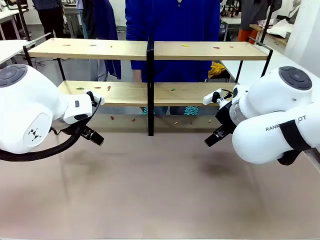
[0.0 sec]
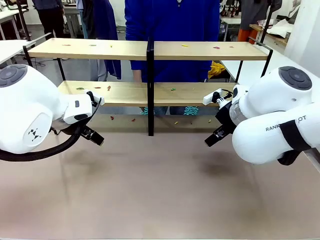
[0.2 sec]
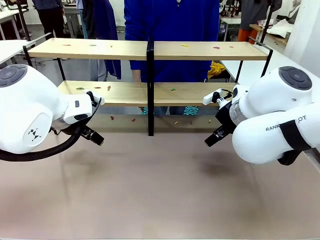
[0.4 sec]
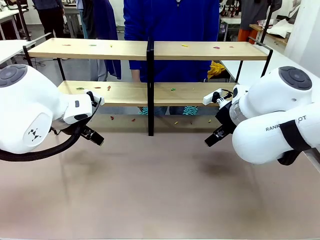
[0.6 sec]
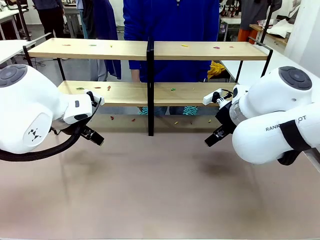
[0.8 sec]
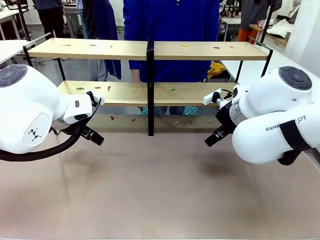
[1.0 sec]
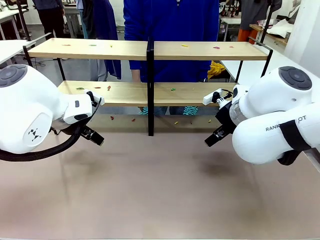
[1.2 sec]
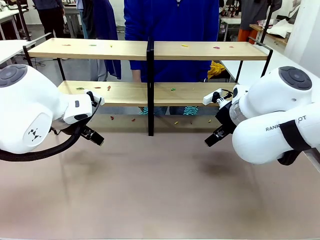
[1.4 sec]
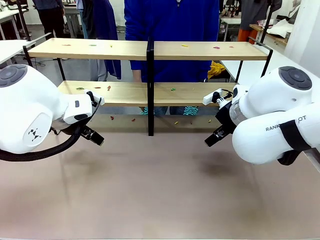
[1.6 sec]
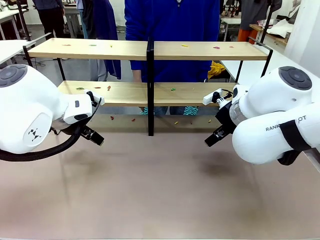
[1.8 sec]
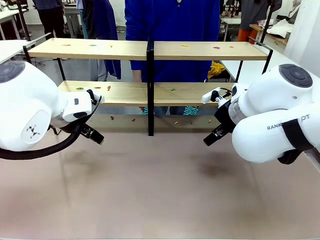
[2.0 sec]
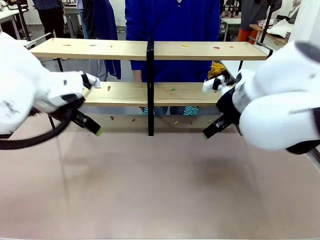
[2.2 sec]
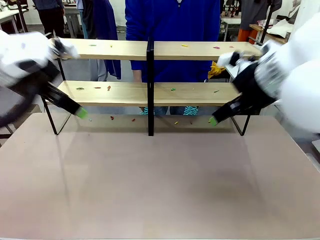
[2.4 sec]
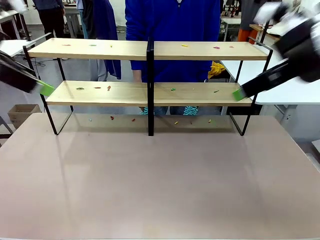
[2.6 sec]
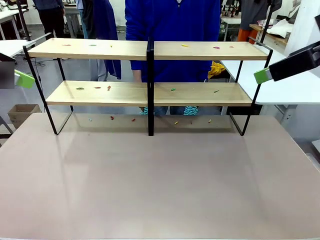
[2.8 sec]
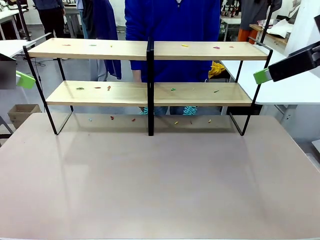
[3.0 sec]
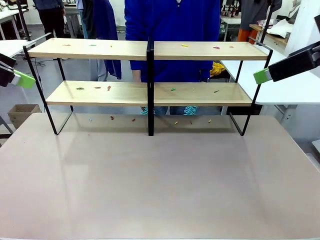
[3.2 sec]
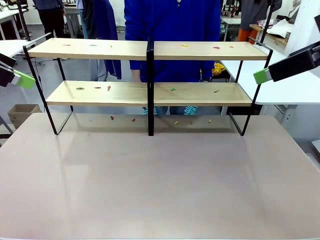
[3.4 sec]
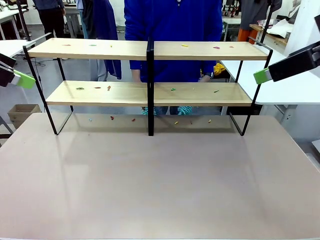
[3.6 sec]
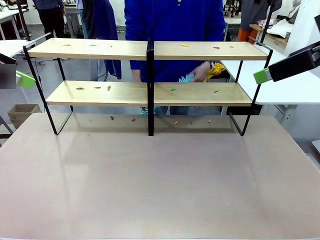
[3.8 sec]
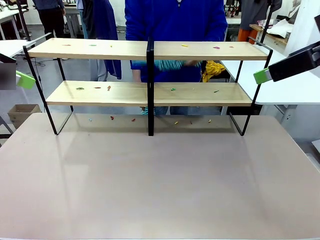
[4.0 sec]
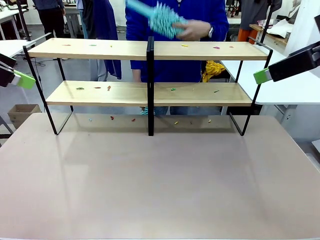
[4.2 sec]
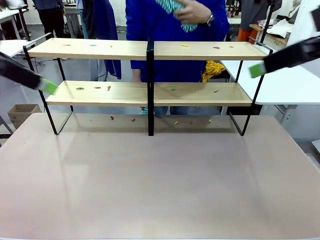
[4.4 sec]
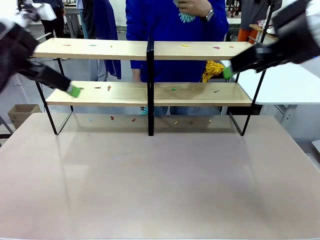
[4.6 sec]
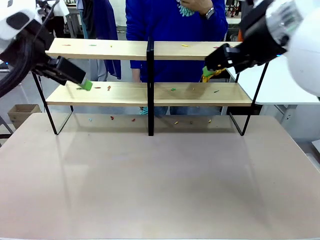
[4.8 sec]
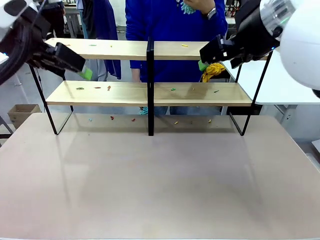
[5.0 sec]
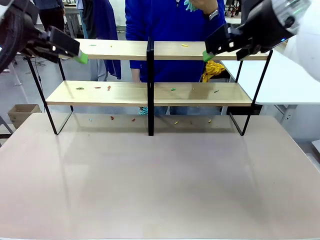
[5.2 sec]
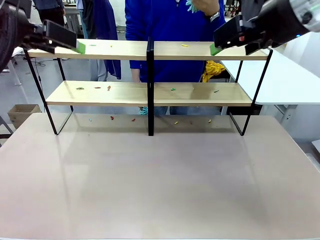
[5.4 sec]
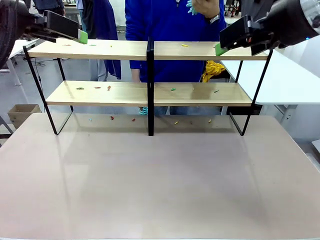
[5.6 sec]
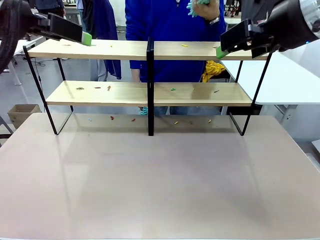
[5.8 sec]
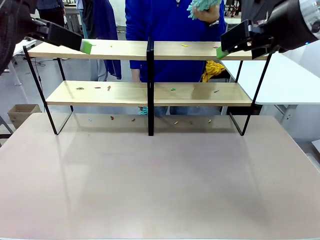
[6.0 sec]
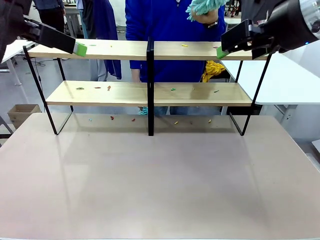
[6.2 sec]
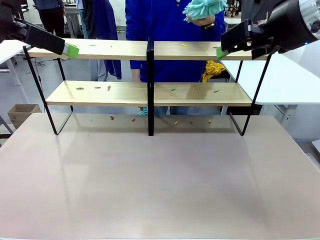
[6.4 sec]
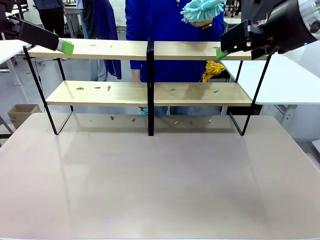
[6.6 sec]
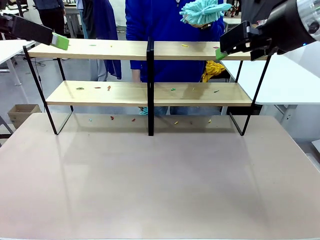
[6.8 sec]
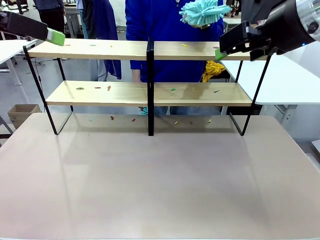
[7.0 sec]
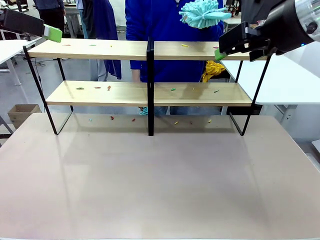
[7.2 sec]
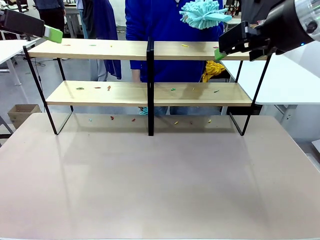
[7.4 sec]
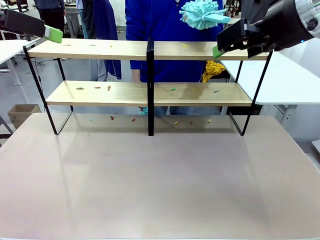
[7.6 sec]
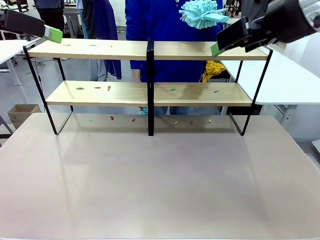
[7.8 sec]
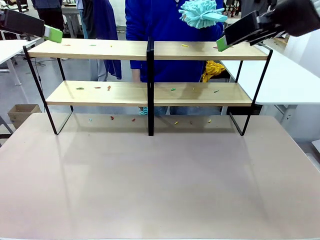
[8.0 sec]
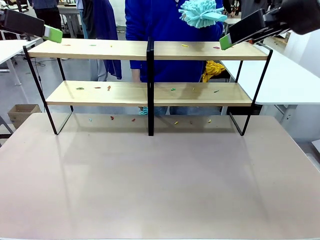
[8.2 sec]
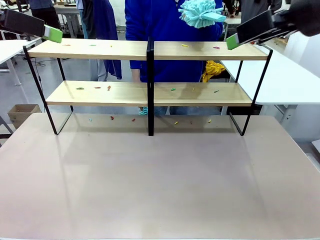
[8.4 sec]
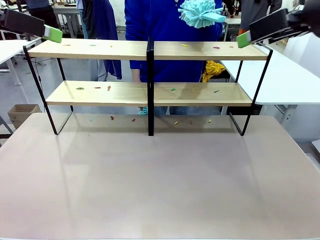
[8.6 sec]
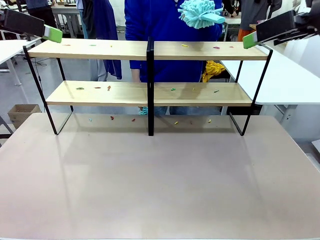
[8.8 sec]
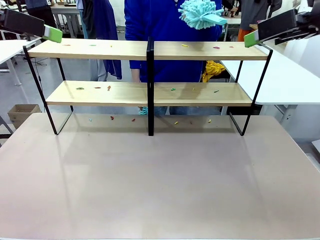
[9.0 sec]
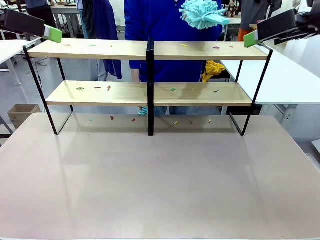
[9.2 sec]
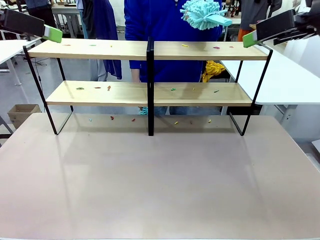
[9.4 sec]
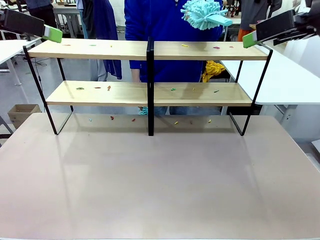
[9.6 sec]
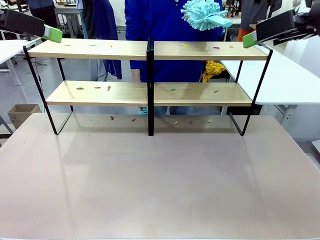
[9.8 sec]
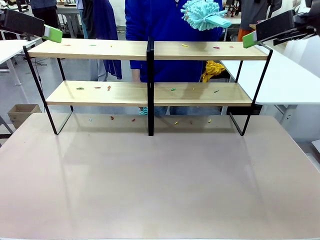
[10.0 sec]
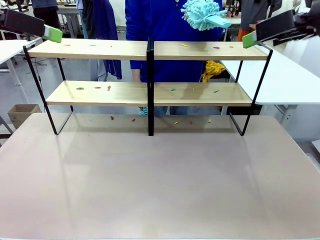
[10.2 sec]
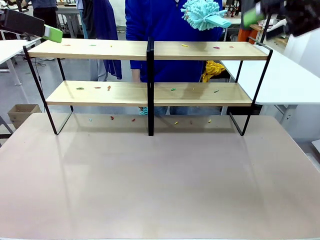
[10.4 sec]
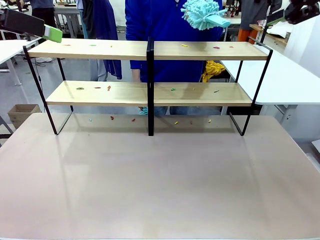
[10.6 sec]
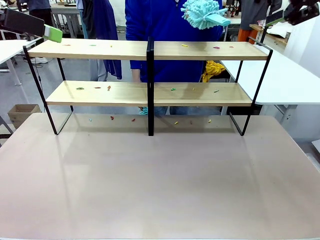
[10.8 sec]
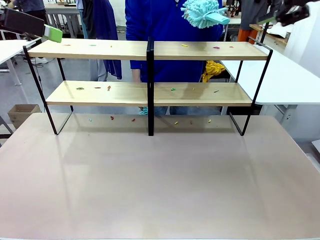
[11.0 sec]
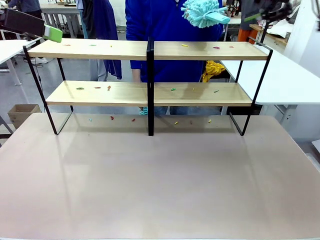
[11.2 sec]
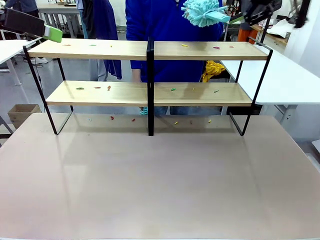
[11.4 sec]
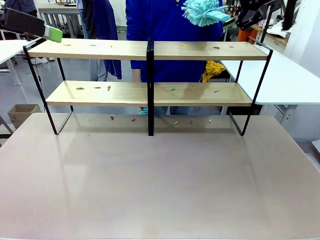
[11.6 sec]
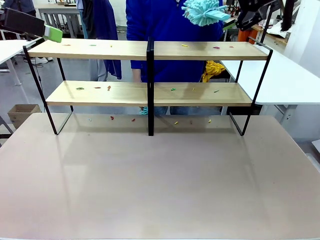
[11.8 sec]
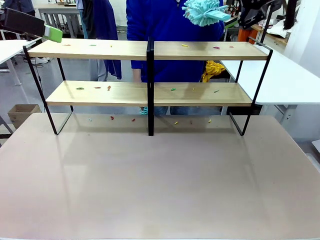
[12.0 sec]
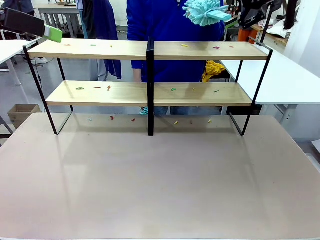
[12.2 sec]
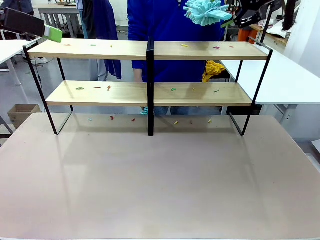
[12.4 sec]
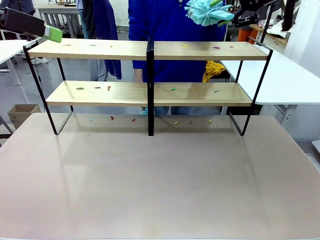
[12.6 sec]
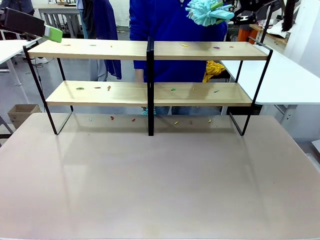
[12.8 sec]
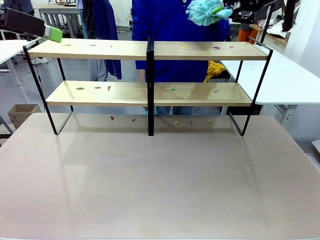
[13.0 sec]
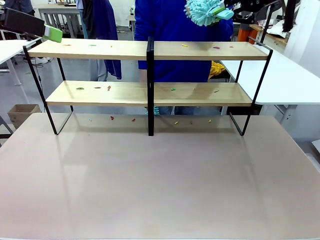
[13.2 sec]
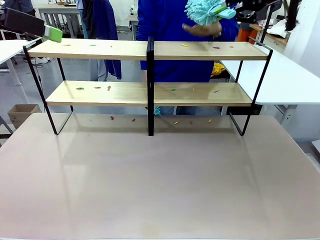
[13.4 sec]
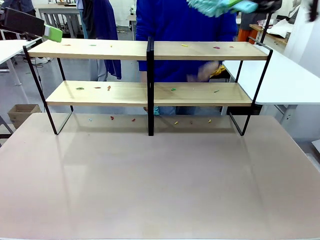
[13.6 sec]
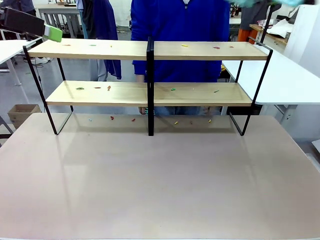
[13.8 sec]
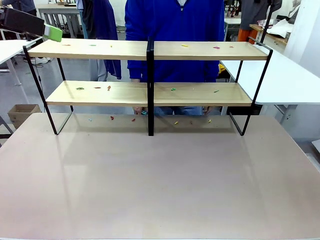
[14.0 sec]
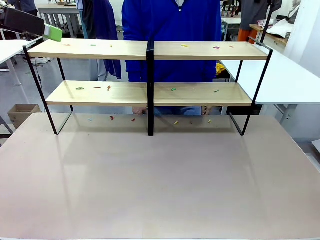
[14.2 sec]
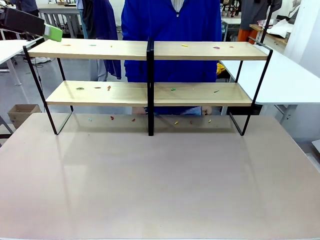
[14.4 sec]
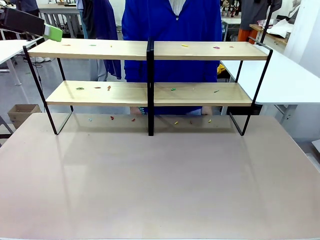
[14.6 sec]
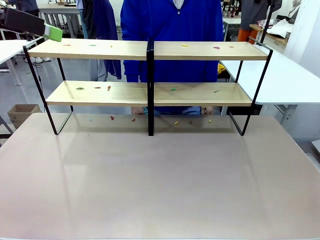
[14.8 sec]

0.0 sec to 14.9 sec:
Task: Clean the shelves.
Robot: Pick up the Duster when the human hands it over.
Person: Hand the Duster to the robot with your right (or left) hand.

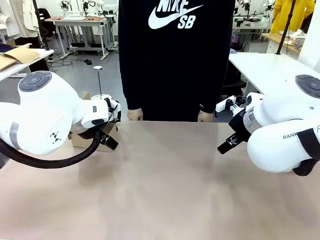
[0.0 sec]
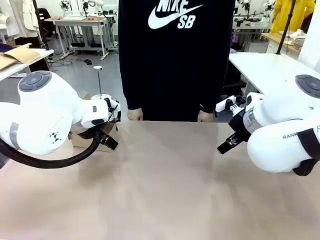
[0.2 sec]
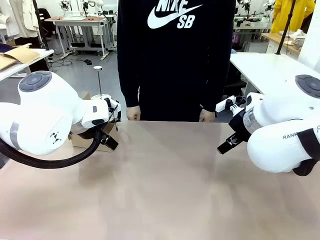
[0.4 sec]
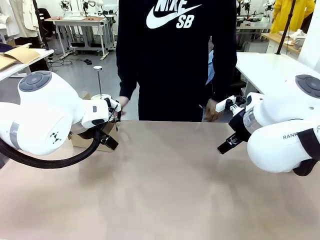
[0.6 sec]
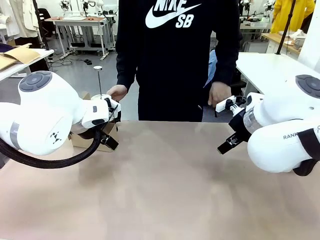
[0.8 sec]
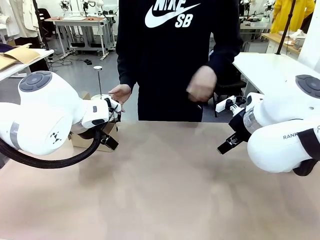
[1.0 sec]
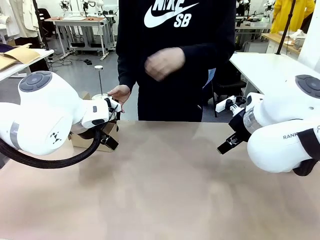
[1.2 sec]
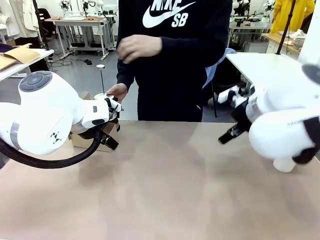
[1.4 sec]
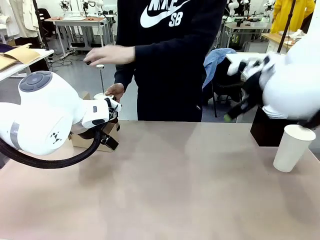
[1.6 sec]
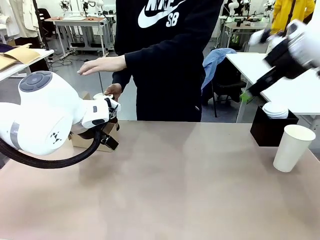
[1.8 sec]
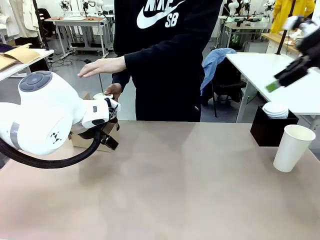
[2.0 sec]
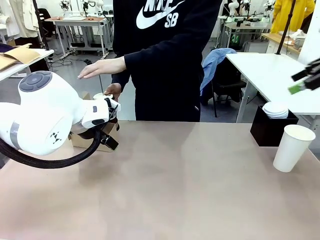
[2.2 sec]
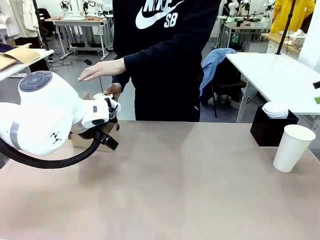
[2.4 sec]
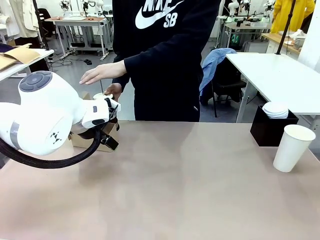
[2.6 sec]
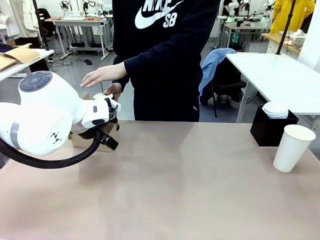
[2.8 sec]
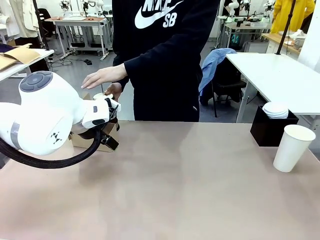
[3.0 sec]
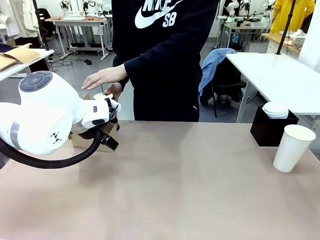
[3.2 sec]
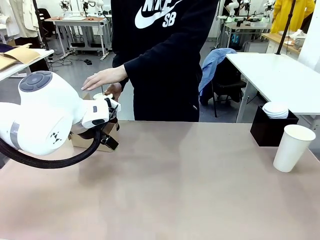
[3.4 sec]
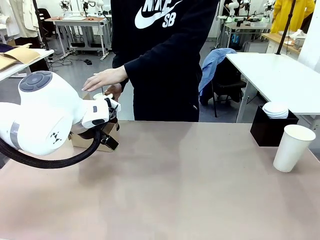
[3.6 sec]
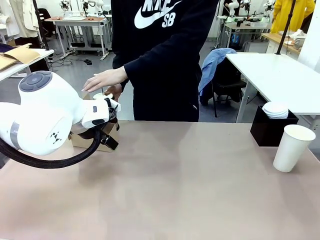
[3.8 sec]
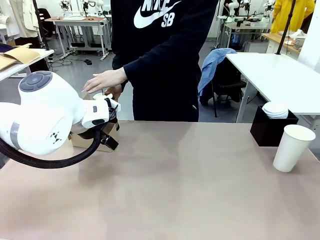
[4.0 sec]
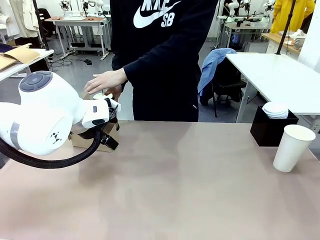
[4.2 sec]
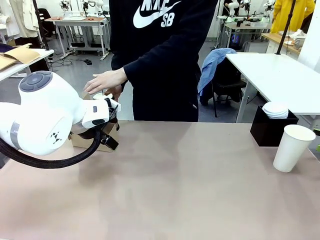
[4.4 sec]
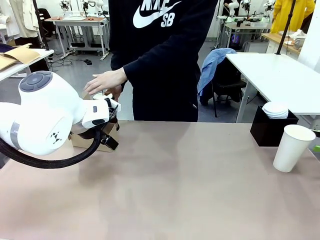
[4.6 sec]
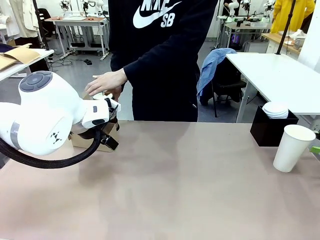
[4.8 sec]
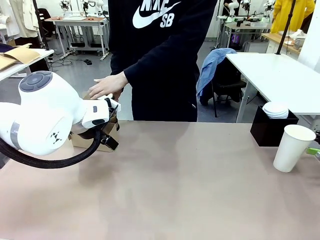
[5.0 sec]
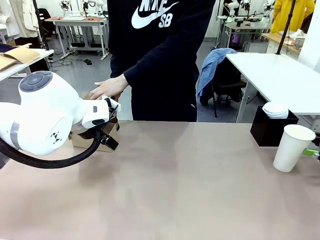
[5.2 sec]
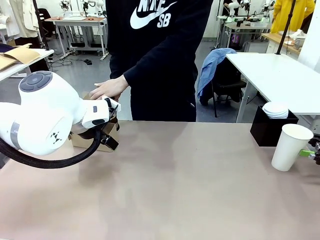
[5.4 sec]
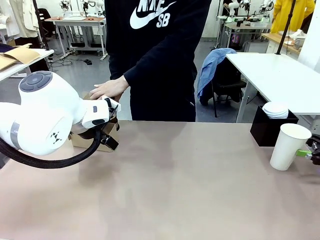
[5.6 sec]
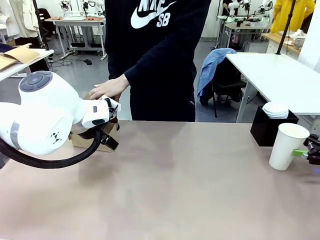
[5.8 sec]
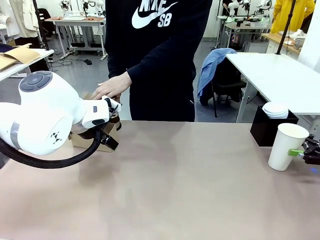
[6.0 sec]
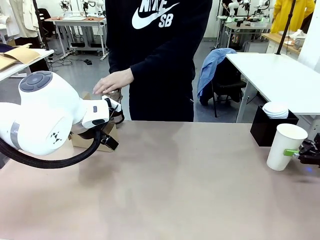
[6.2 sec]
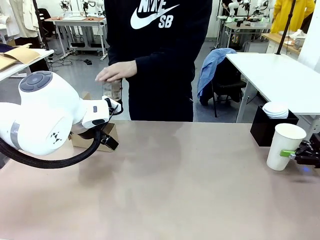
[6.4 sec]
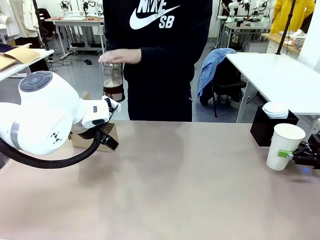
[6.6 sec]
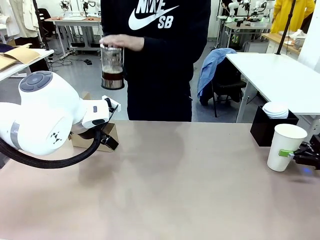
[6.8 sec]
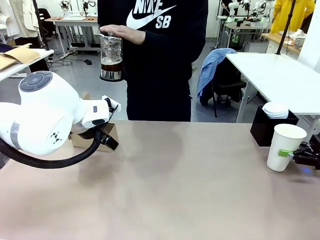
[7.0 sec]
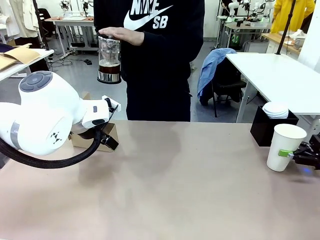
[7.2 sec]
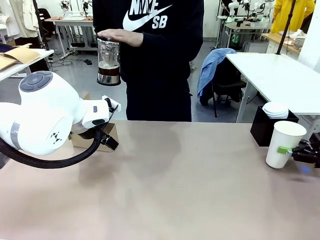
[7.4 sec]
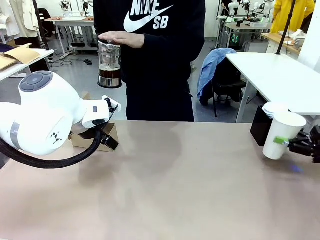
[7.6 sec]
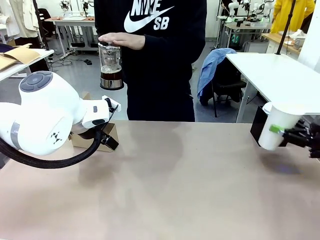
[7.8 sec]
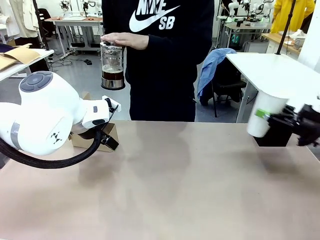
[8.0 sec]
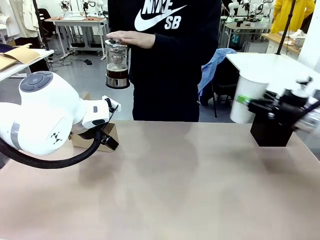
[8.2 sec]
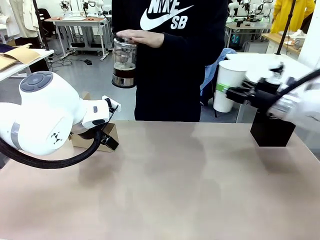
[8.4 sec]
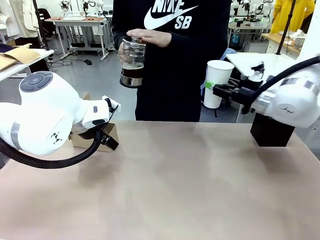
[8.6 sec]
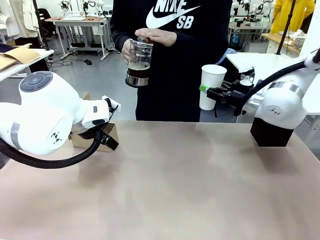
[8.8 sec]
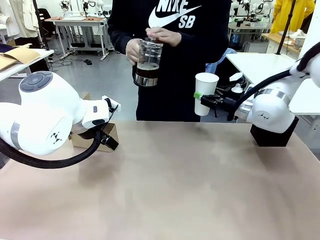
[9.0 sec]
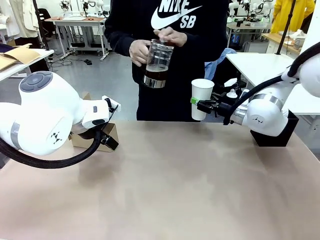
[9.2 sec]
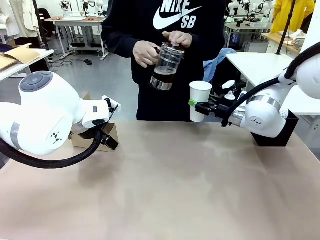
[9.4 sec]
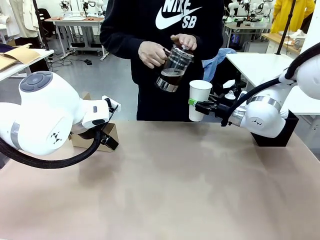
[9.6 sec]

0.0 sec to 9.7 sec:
Task: Pour a drink into a cup and package it in a carrier.
Robot: Pick up the 600 ml Paper Cup and place it in the middle top area of the table.
Person: Press and pick up the Filter Brewing.
